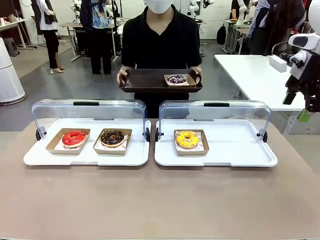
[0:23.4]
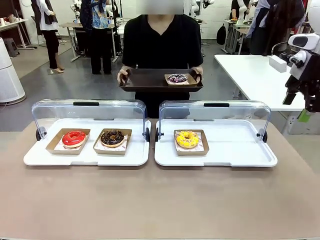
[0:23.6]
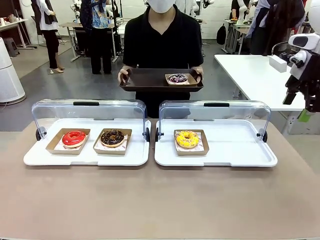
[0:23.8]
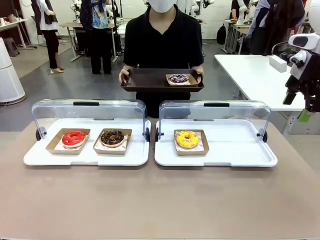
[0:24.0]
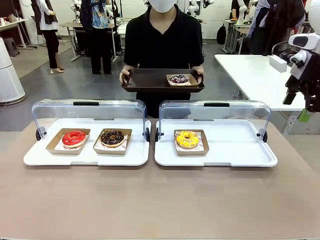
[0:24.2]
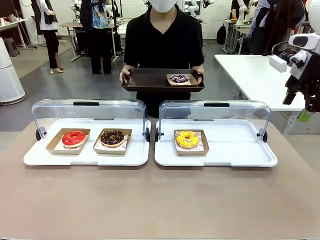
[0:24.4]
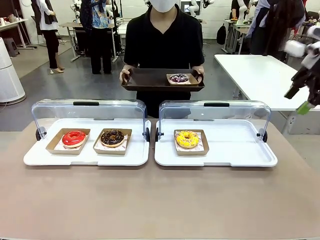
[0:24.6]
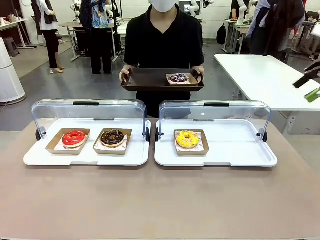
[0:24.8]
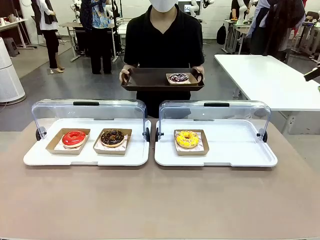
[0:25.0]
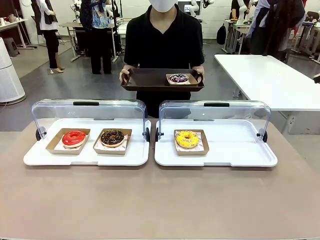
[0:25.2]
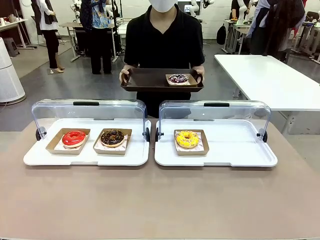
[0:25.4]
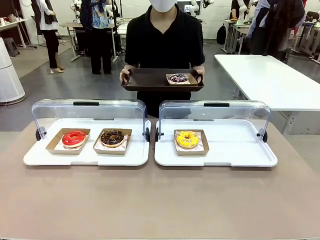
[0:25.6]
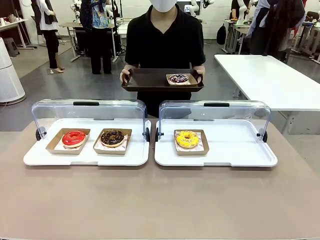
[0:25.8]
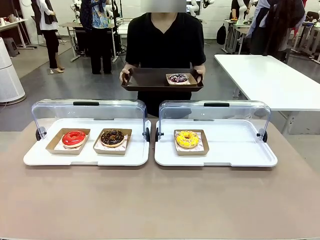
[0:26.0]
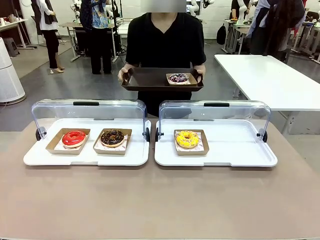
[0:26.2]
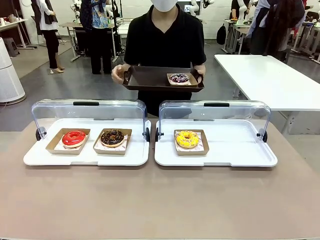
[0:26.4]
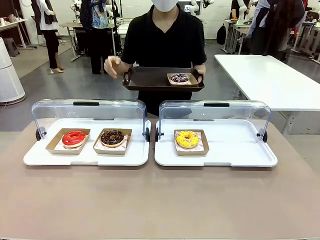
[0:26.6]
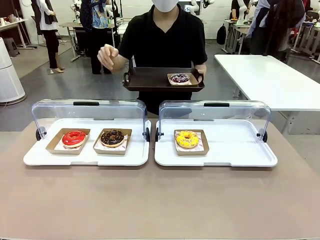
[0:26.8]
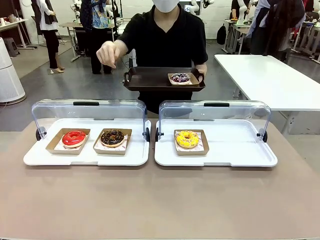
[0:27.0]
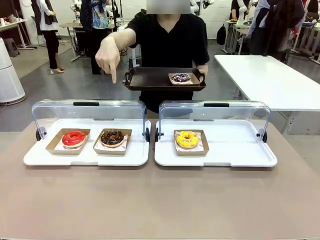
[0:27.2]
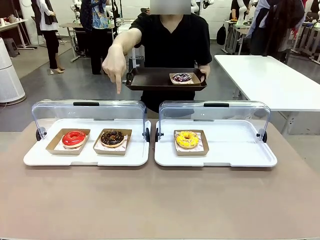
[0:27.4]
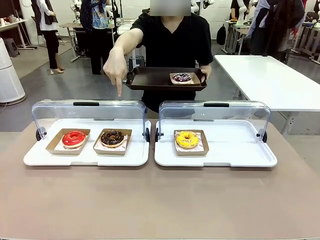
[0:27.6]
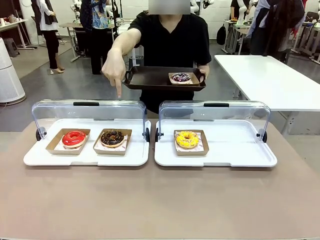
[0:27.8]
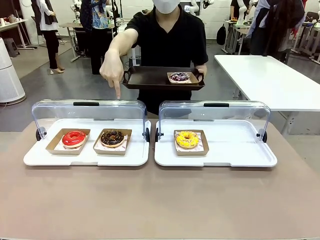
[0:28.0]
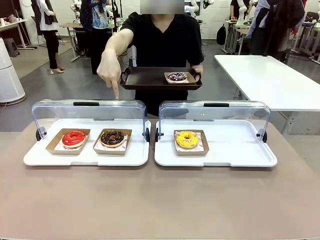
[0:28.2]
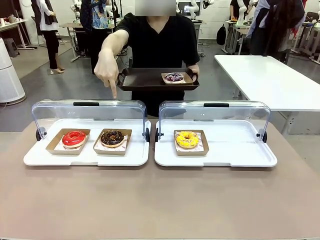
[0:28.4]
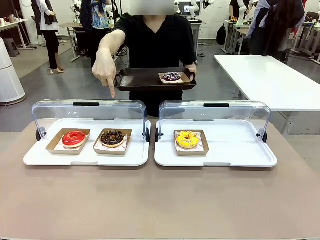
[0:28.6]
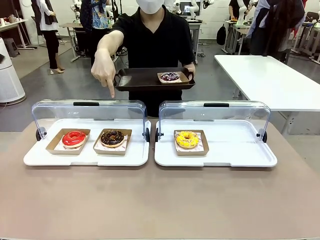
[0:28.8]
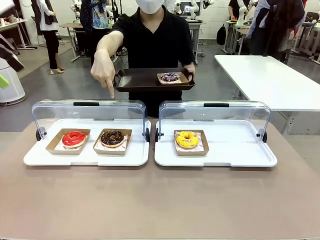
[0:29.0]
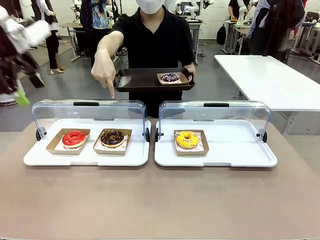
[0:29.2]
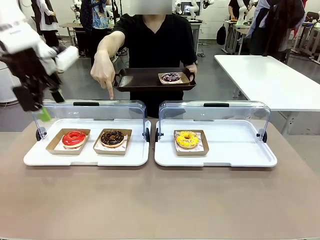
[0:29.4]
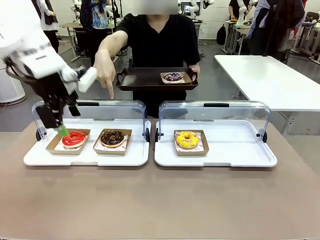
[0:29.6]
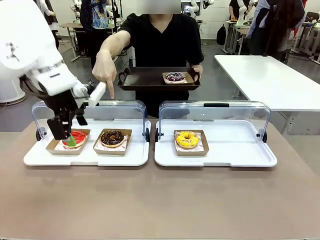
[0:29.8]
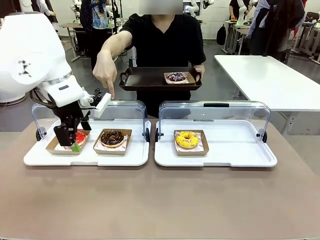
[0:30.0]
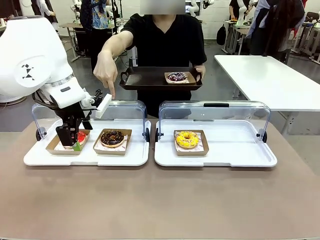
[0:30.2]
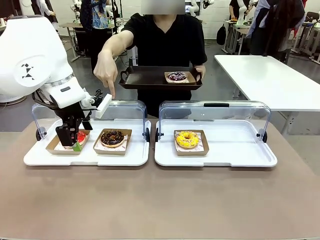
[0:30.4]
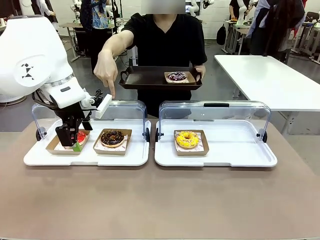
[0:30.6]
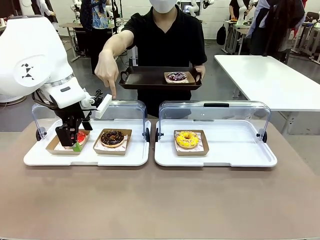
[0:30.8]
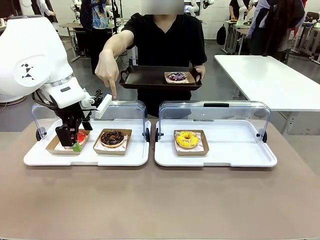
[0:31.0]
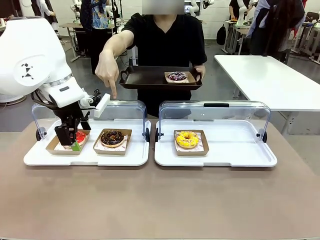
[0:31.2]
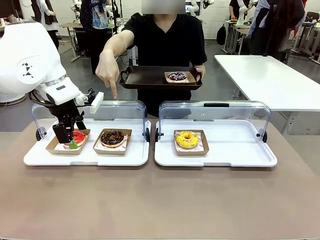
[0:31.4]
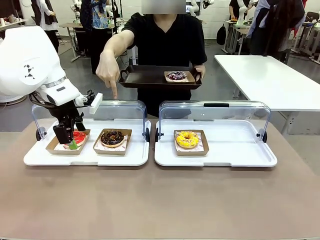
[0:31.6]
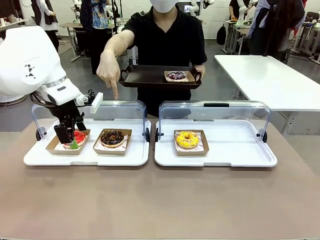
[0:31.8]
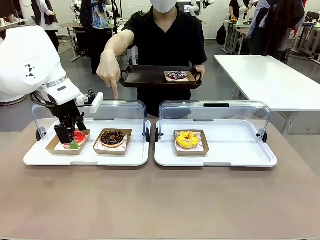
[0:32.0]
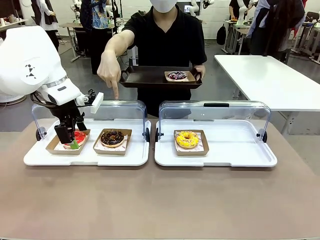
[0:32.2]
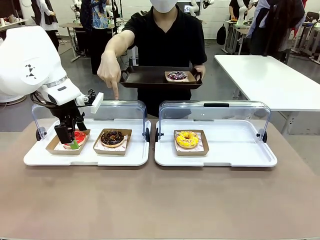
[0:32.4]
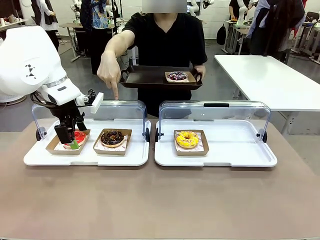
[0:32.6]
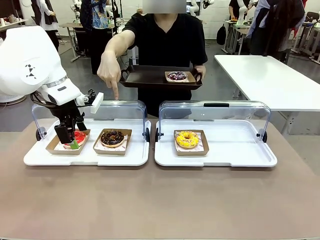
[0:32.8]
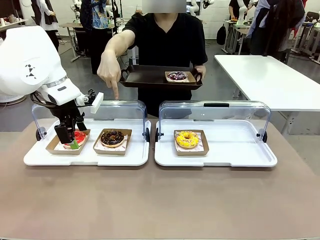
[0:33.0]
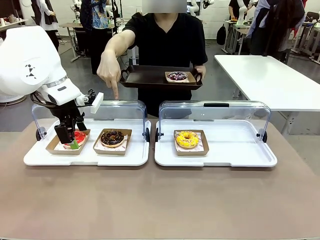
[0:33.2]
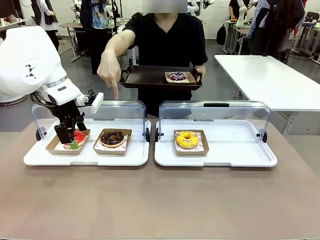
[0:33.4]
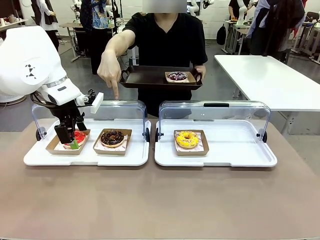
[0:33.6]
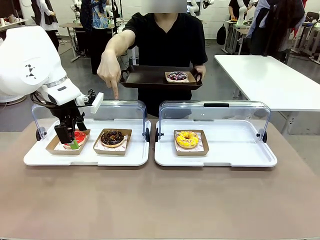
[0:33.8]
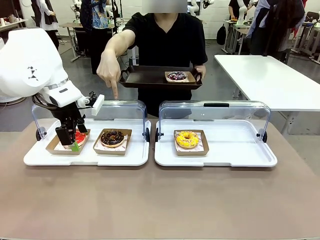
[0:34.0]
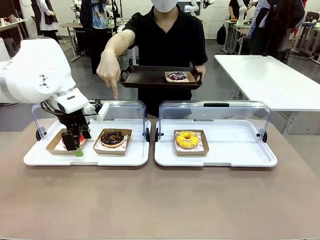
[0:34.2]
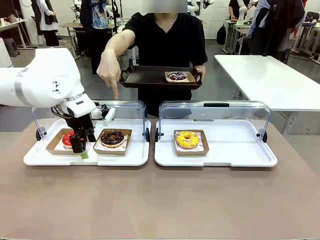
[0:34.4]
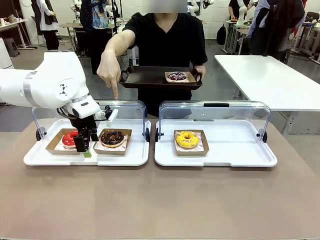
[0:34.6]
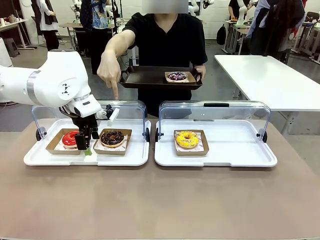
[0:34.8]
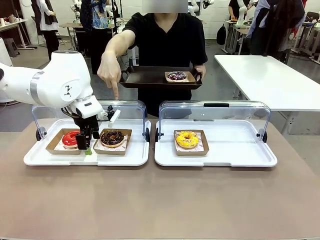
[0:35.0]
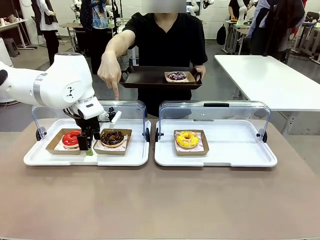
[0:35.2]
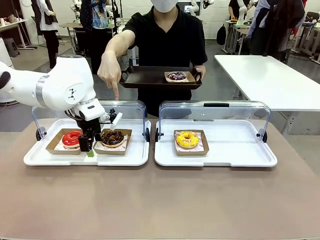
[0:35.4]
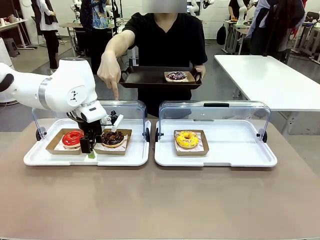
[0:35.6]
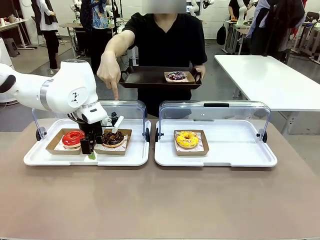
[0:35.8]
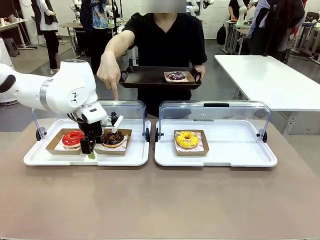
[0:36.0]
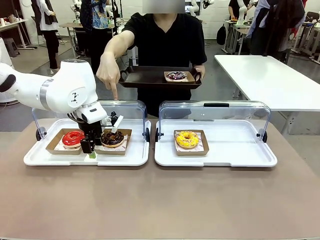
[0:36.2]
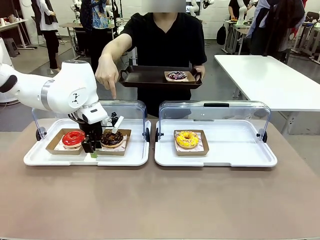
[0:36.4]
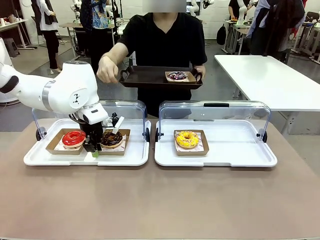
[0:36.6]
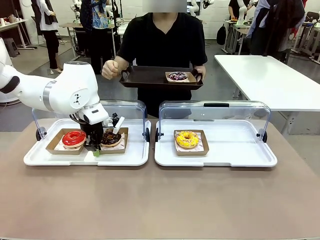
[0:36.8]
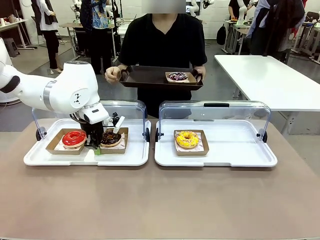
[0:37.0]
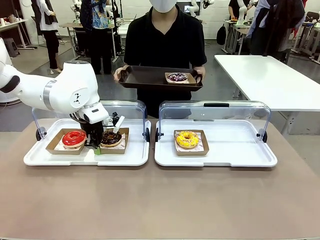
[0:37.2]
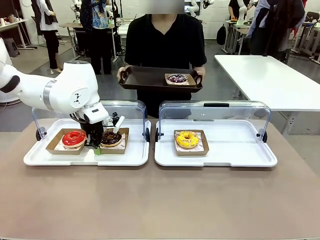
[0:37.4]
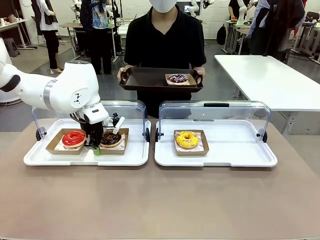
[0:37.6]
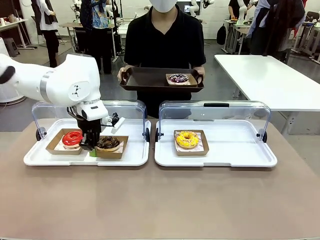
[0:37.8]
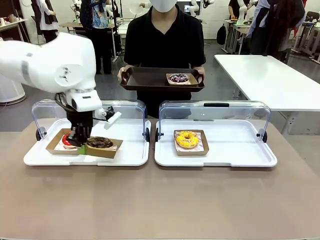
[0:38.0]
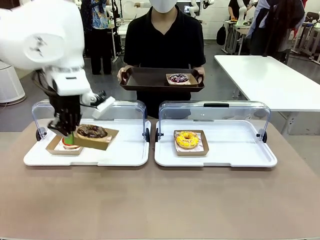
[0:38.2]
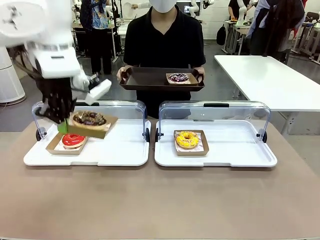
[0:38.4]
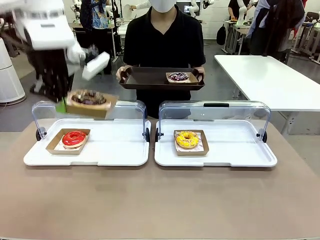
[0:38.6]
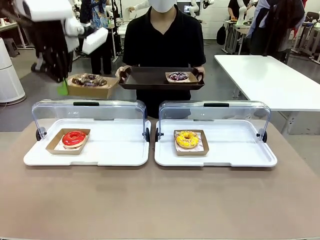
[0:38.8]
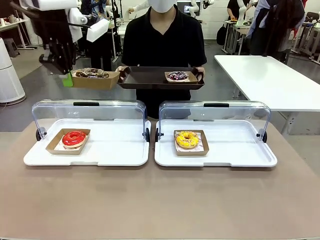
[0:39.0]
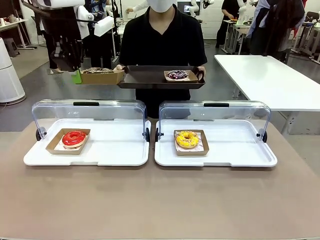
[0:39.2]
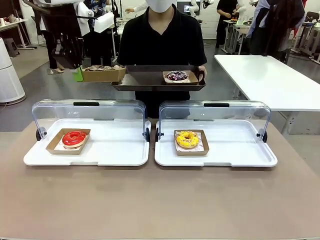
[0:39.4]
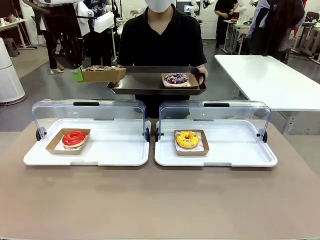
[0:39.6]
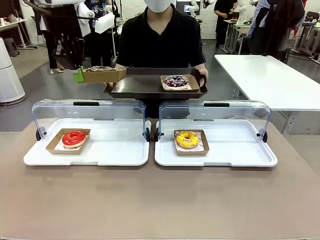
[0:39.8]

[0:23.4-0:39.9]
Task: Provide the desired donut to the person.
Robot: Pick up and lift the Paper togo box containing the Donut pointed at by the person.
Person: Point to one donut. Lift the tray onto the Roll-Top Bakery Case.
